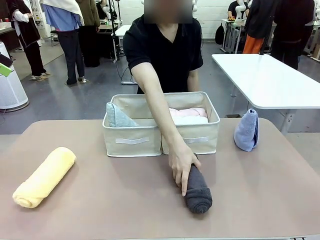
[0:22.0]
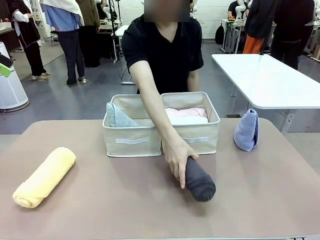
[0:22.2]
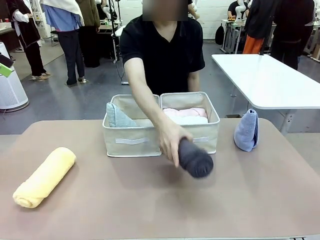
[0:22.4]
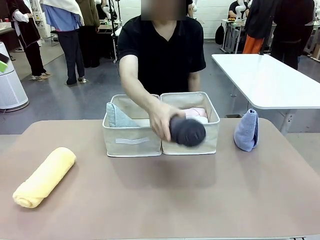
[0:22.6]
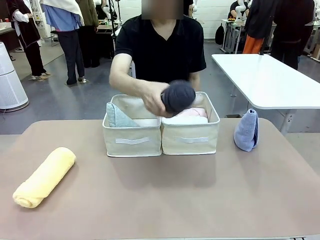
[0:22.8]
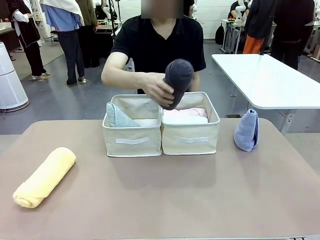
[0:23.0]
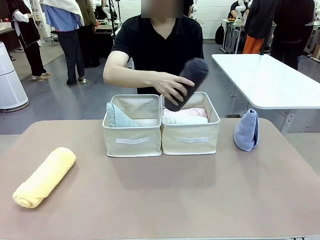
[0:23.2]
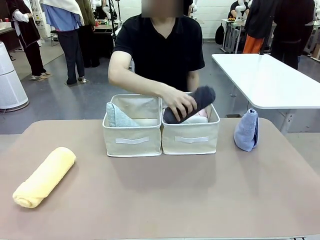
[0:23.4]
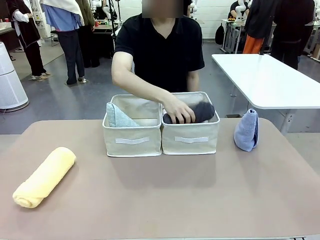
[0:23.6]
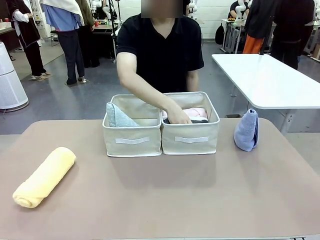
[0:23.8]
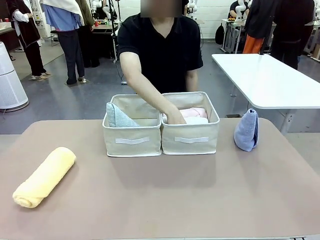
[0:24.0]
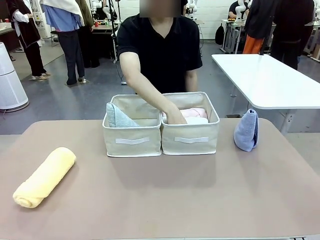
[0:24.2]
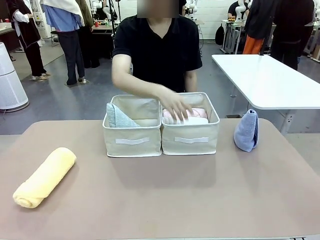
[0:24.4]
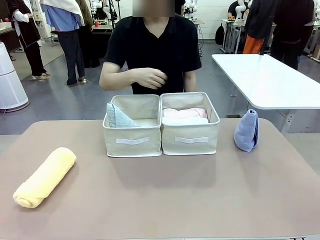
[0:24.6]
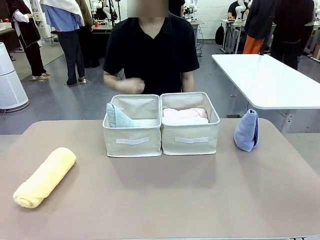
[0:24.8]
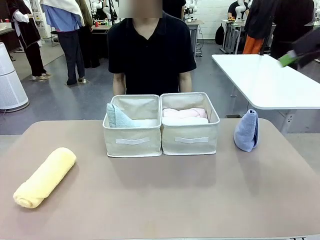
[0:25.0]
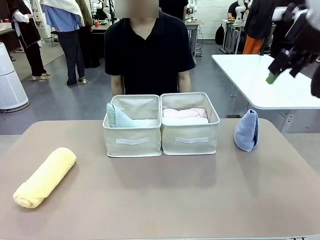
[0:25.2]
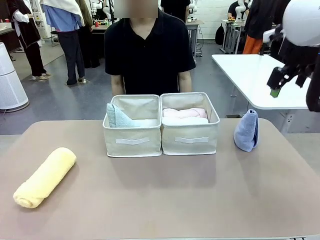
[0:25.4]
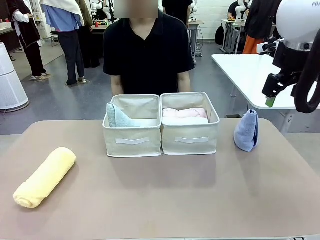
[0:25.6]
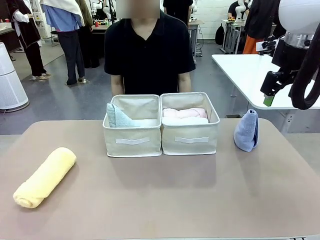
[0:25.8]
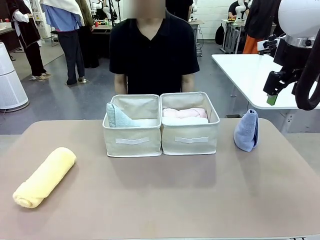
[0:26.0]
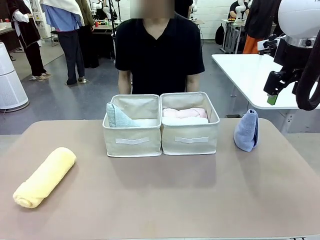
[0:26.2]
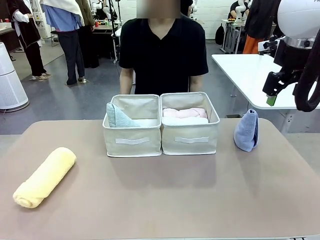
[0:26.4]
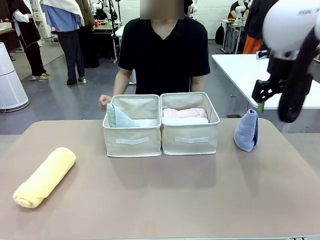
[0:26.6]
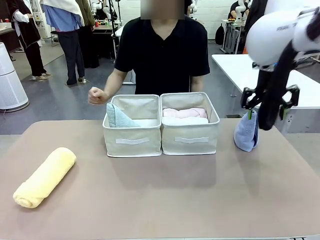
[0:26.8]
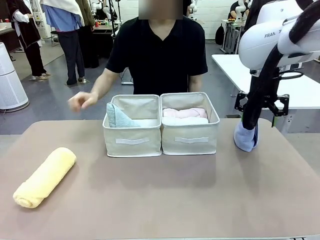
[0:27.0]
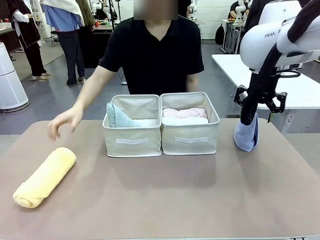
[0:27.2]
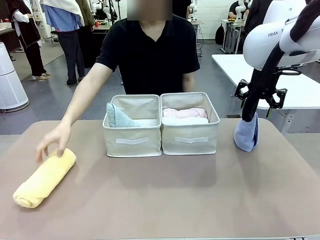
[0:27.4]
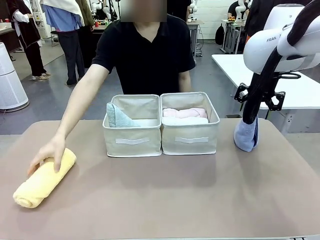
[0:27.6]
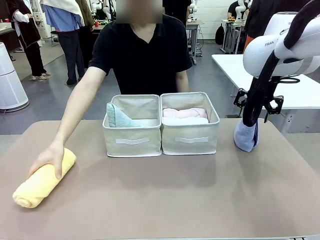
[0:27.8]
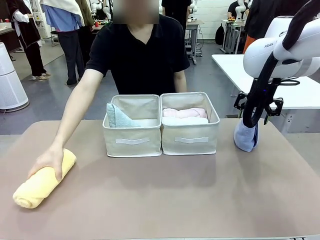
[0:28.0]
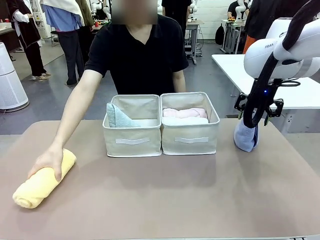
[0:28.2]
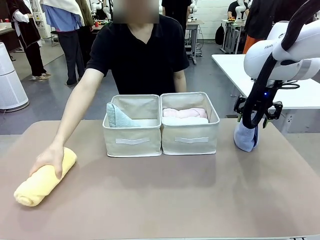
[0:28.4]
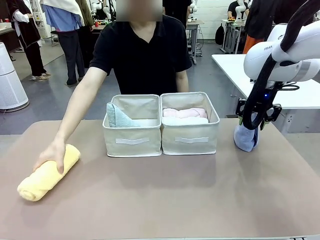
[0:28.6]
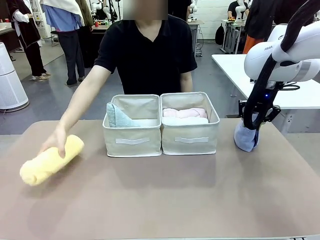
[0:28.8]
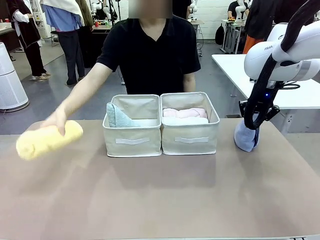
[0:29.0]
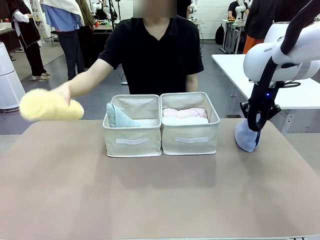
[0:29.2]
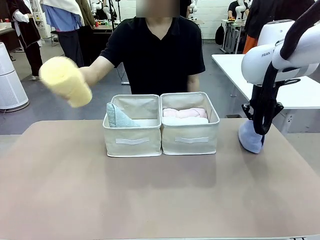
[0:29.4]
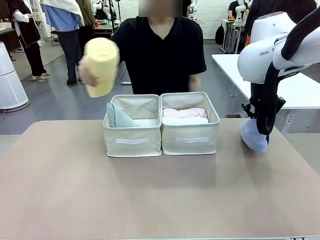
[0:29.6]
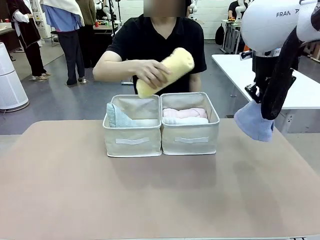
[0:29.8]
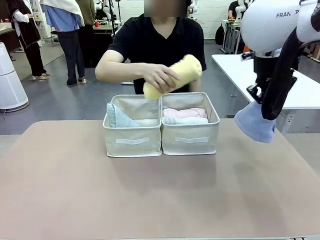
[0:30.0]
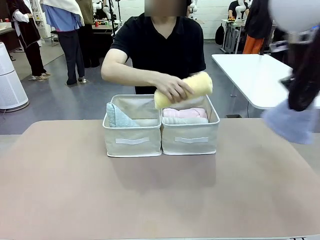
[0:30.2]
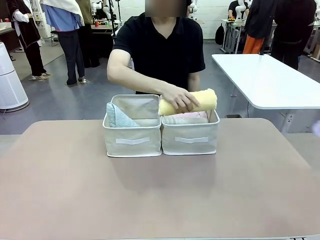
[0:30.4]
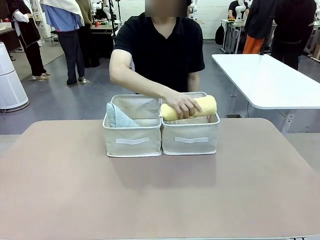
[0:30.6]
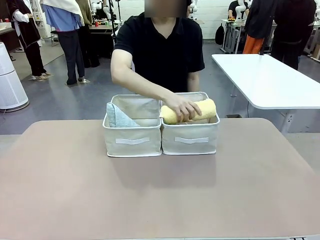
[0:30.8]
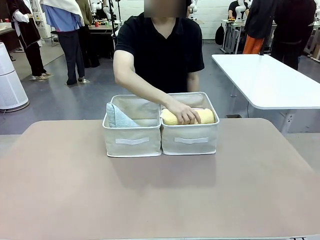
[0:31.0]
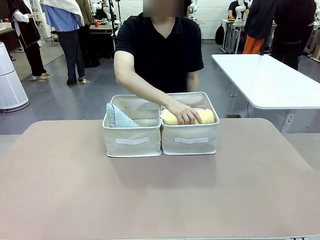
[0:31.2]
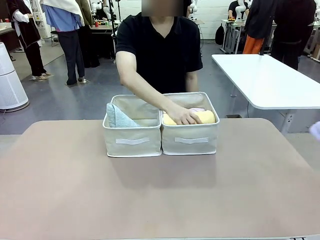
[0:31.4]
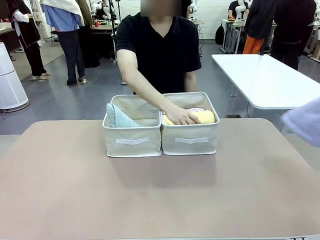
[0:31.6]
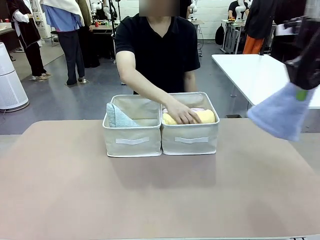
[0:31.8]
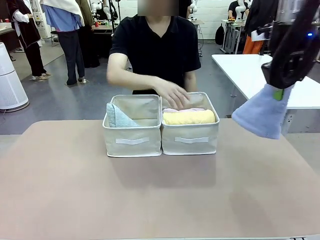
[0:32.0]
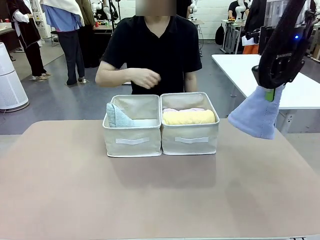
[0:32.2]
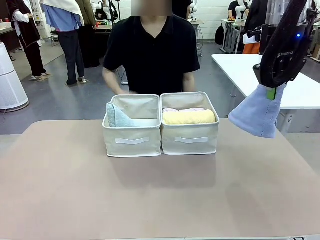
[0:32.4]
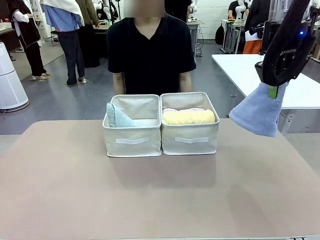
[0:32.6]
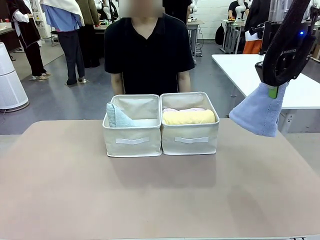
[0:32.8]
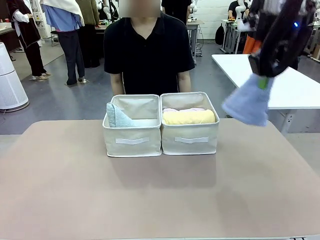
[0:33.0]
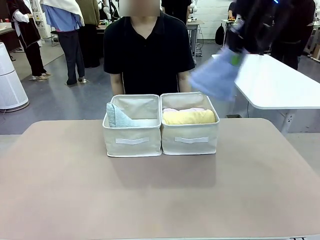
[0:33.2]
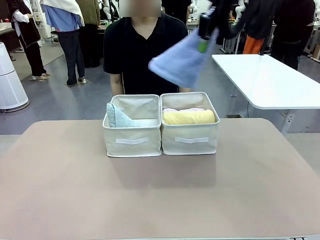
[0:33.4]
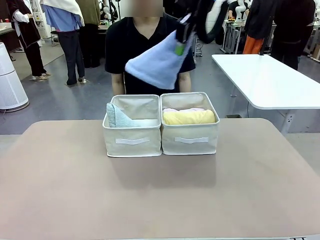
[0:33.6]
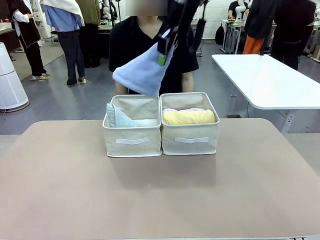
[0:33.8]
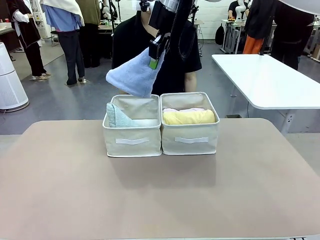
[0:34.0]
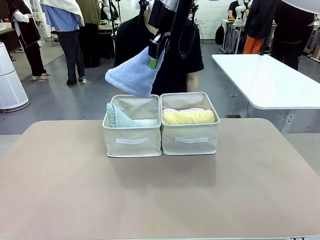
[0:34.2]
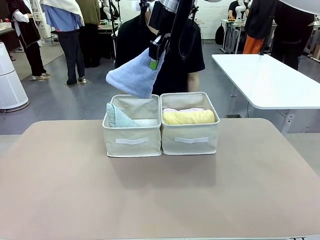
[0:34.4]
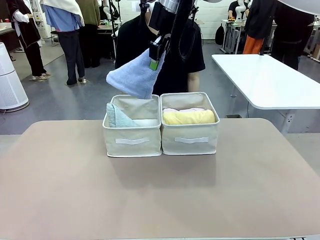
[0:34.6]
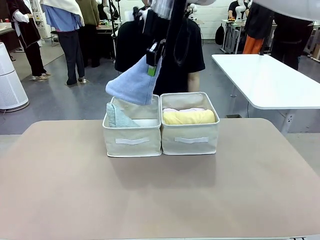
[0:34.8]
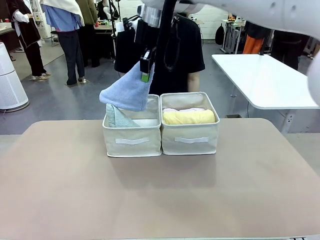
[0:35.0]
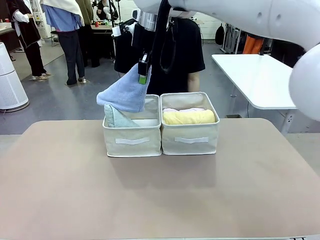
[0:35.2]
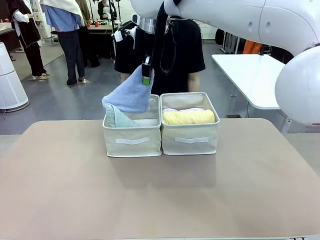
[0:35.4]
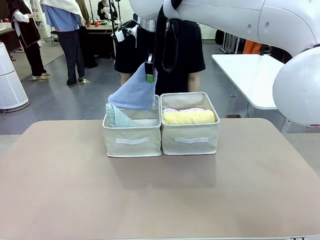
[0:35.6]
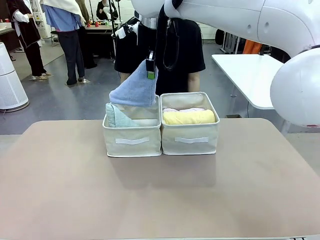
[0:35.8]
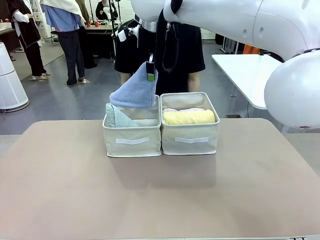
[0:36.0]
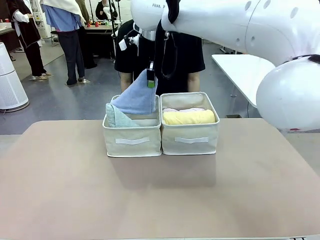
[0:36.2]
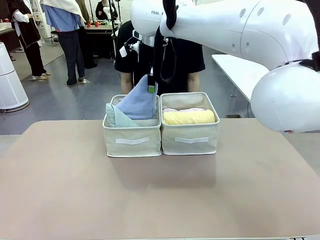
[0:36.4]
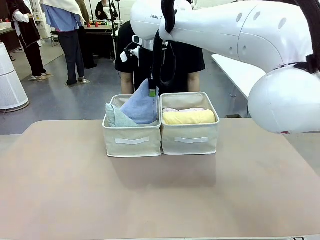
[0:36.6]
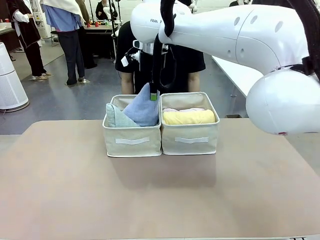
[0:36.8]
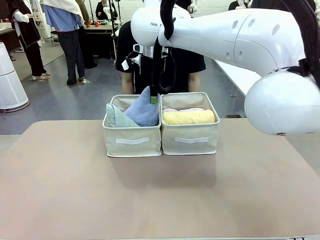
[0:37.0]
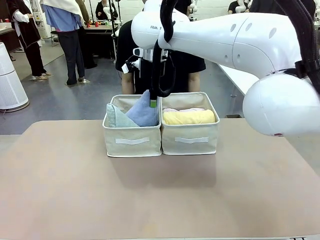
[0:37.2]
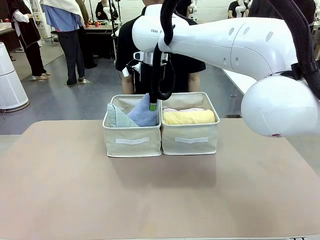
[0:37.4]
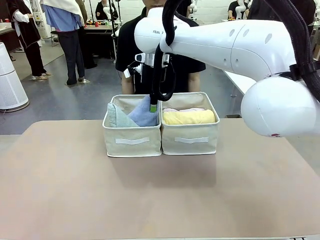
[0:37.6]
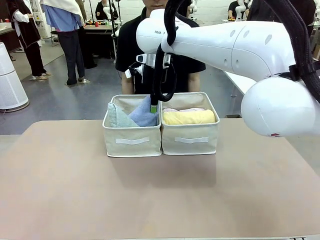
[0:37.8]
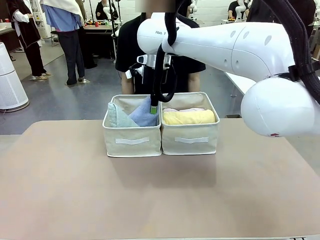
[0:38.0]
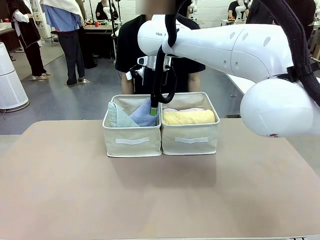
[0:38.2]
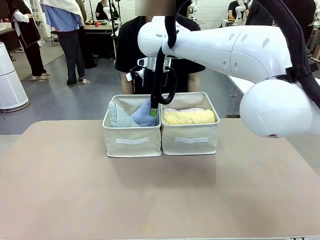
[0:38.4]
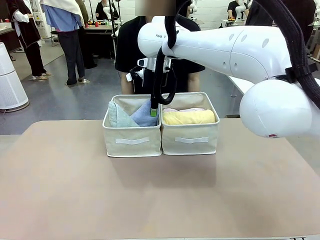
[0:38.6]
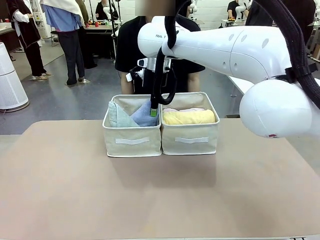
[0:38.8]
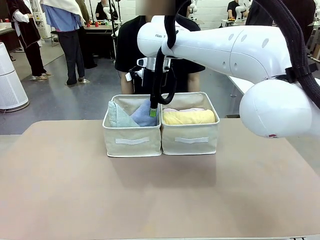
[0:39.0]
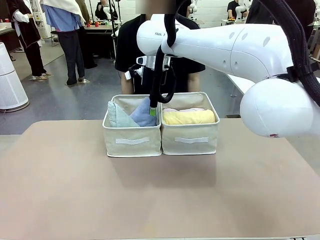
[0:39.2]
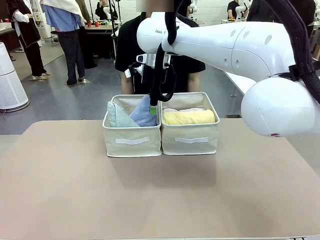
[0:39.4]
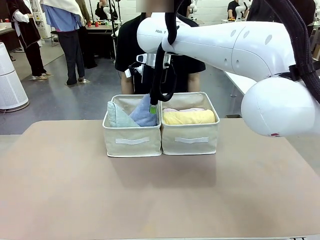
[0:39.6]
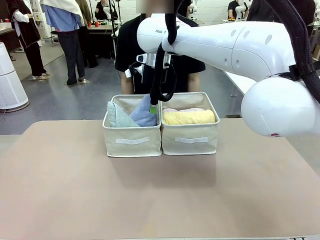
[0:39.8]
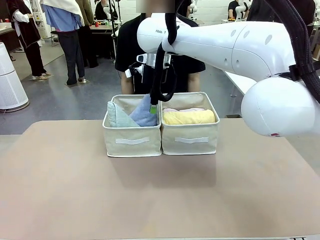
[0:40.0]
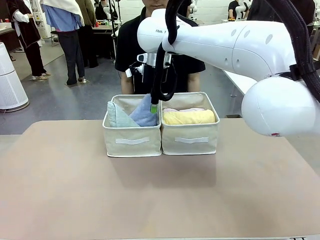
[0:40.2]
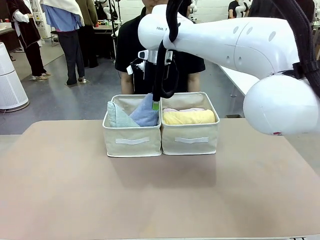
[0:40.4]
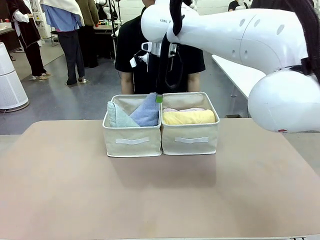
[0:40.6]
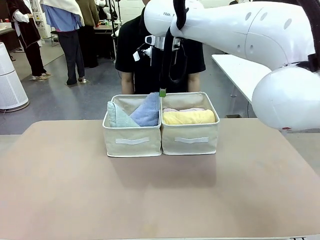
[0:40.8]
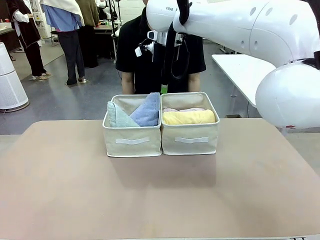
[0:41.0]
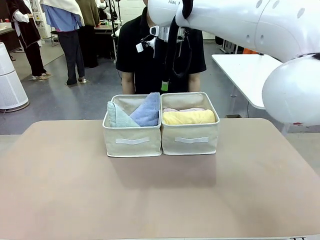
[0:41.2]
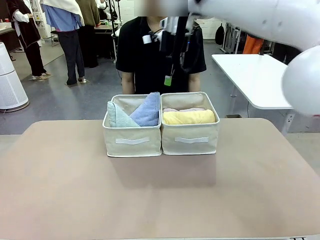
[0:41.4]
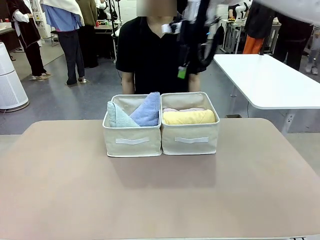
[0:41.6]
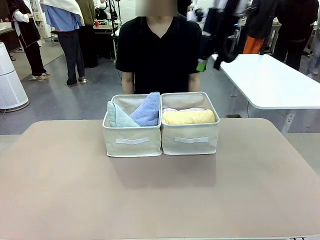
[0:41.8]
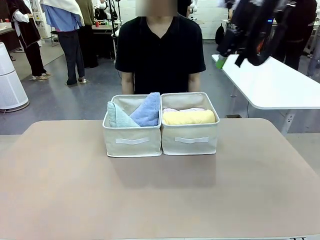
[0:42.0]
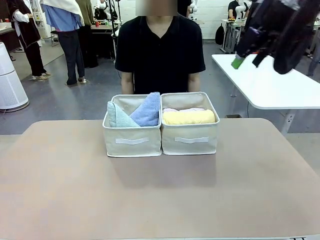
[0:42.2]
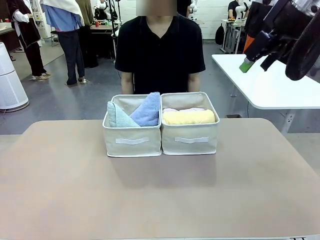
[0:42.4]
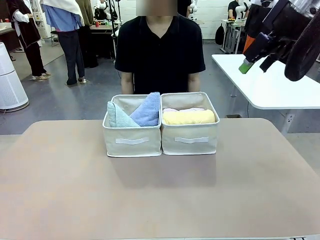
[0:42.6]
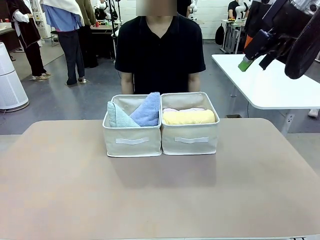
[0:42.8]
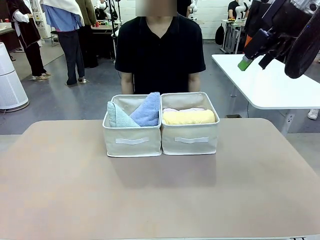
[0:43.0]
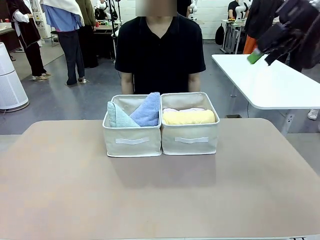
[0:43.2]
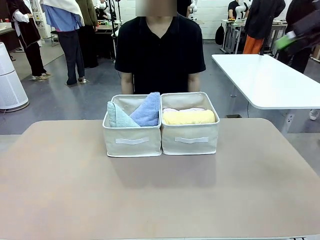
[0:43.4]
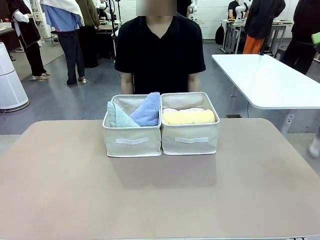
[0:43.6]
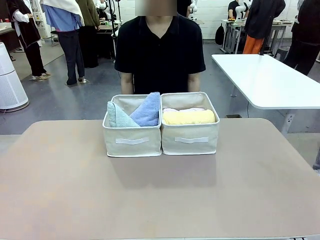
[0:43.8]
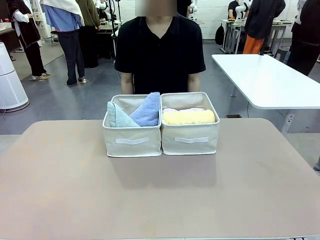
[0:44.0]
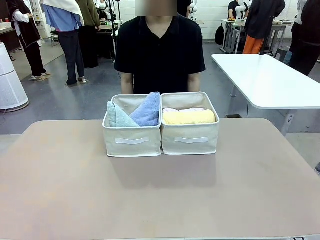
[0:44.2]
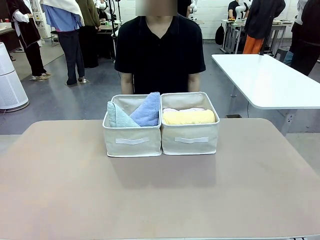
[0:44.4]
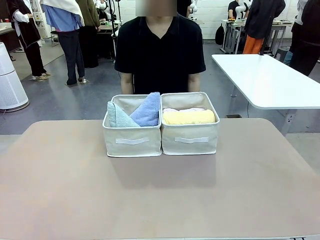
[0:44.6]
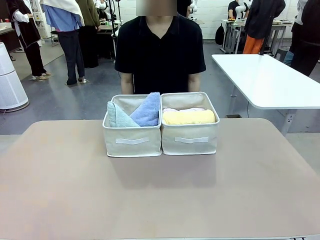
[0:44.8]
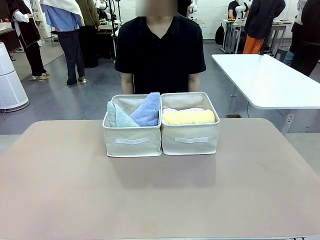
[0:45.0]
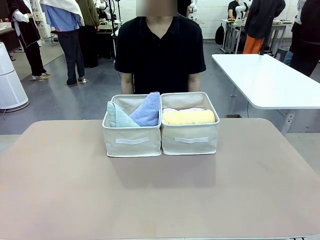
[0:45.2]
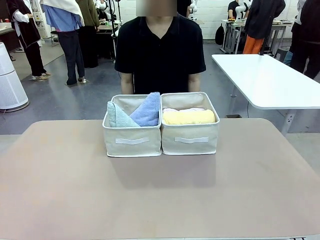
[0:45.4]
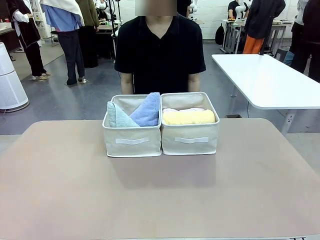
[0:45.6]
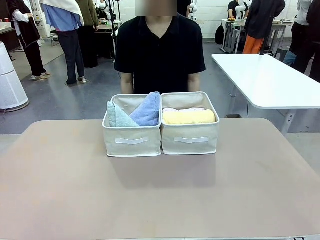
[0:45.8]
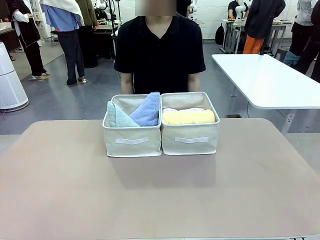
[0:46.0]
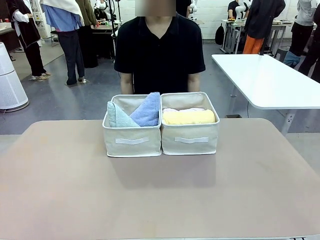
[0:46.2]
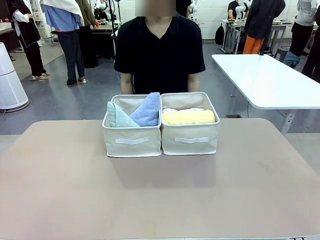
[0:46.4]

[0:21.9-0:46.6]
Task: Sort the towels based on their folding style.
Robot: Pick up another triangle-folded towel from the table and place it in the left Fabric basket.
Person: Pick up one hotel-style rolled towel from the table and place it in the left fabric basket.
